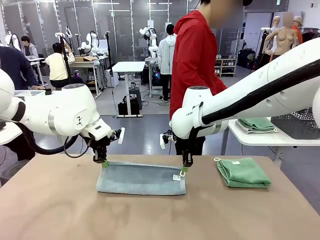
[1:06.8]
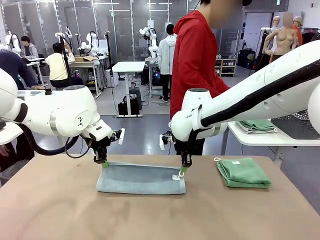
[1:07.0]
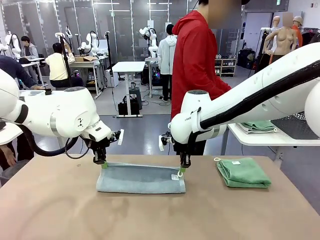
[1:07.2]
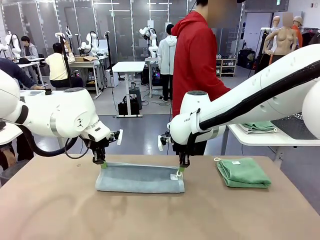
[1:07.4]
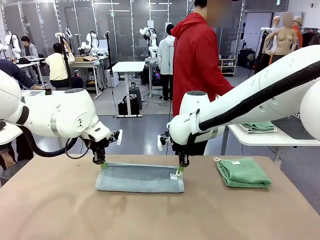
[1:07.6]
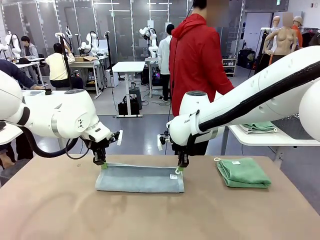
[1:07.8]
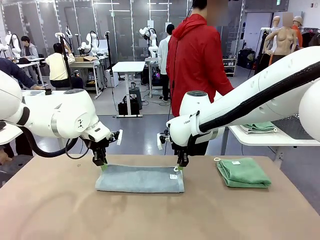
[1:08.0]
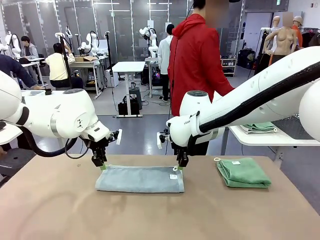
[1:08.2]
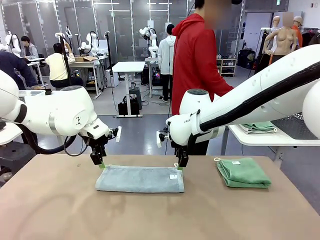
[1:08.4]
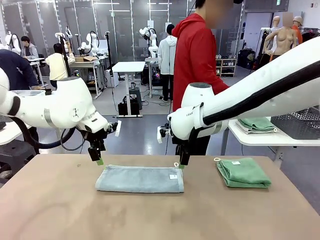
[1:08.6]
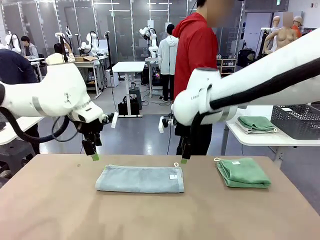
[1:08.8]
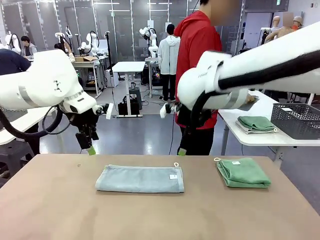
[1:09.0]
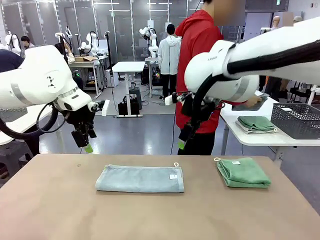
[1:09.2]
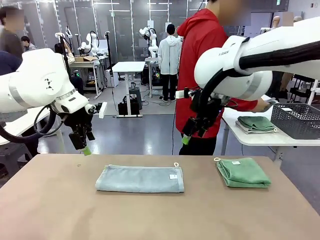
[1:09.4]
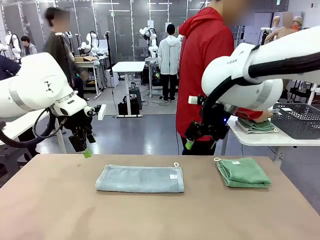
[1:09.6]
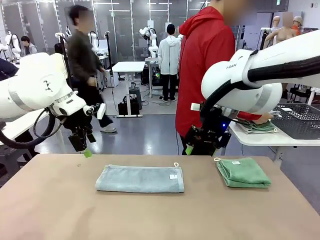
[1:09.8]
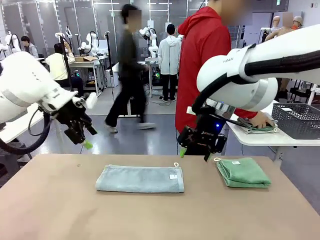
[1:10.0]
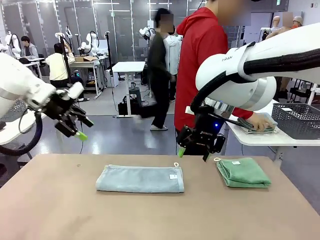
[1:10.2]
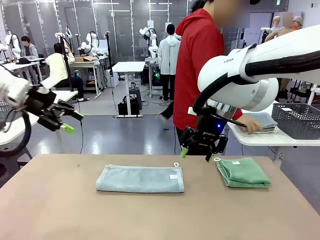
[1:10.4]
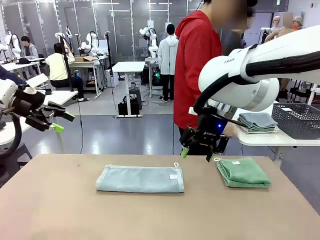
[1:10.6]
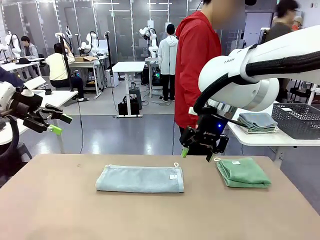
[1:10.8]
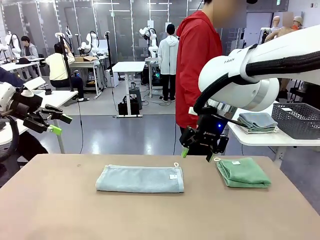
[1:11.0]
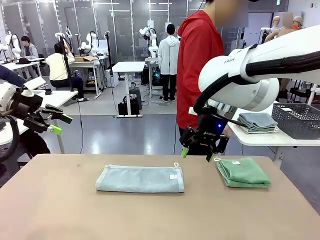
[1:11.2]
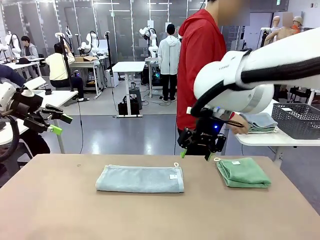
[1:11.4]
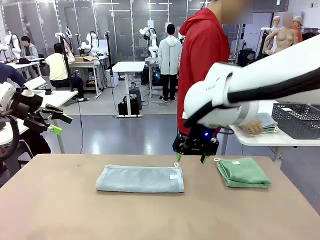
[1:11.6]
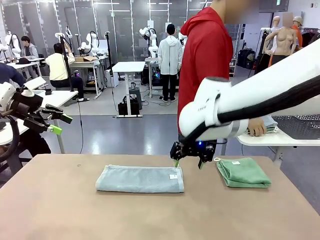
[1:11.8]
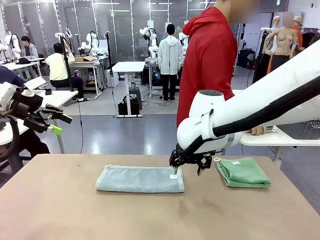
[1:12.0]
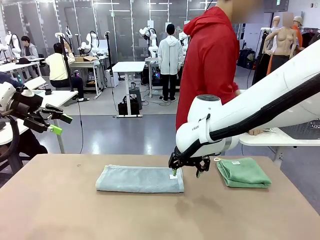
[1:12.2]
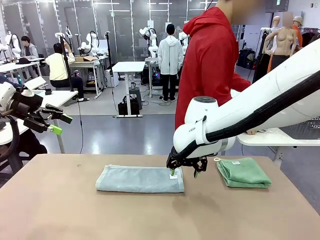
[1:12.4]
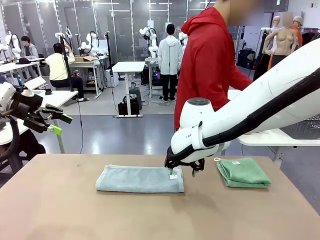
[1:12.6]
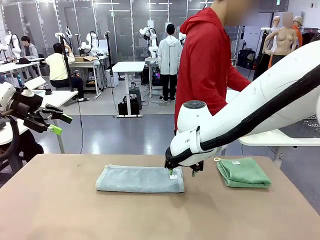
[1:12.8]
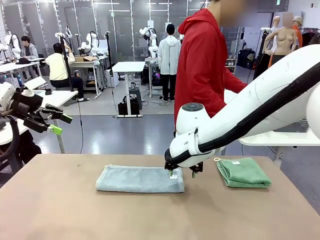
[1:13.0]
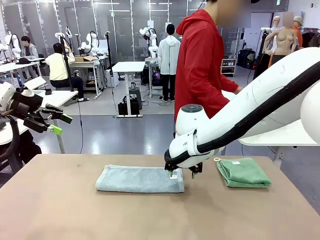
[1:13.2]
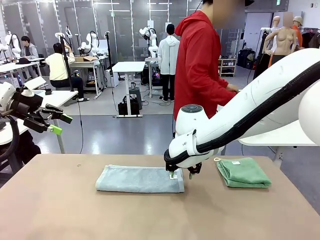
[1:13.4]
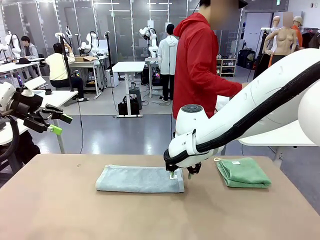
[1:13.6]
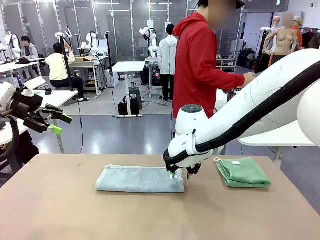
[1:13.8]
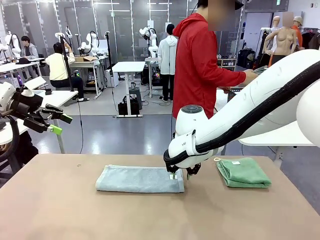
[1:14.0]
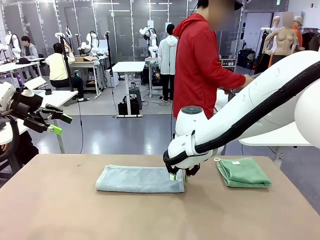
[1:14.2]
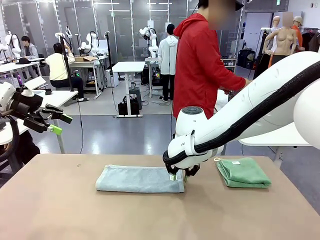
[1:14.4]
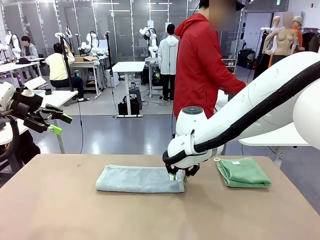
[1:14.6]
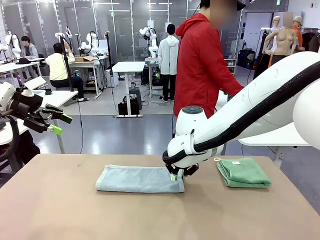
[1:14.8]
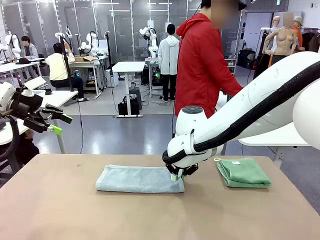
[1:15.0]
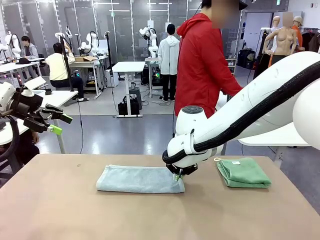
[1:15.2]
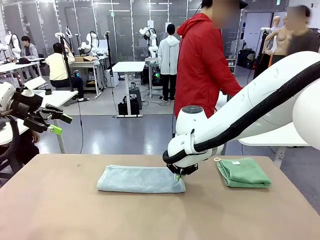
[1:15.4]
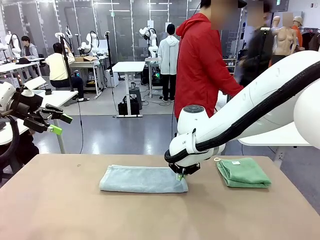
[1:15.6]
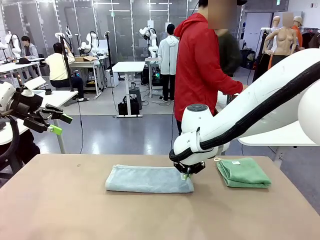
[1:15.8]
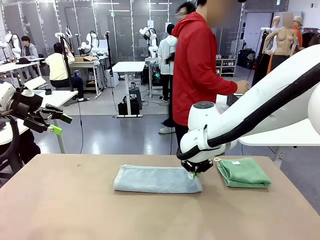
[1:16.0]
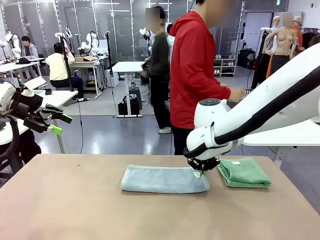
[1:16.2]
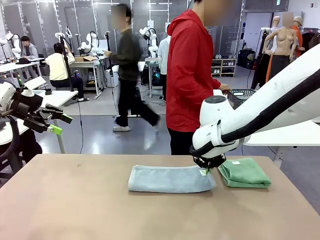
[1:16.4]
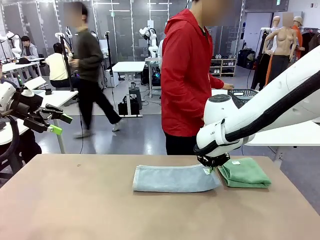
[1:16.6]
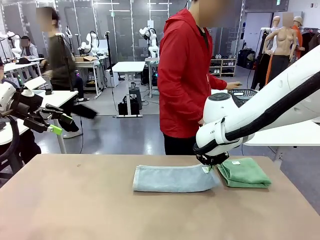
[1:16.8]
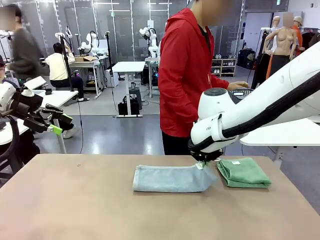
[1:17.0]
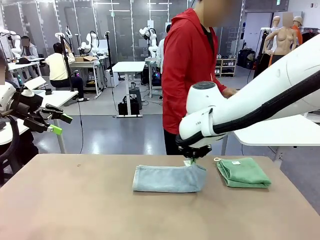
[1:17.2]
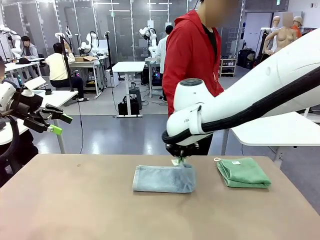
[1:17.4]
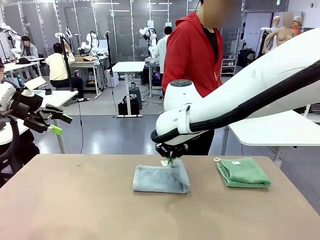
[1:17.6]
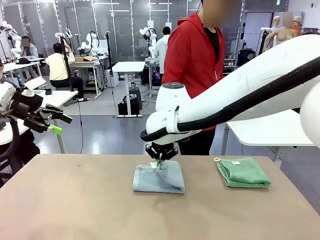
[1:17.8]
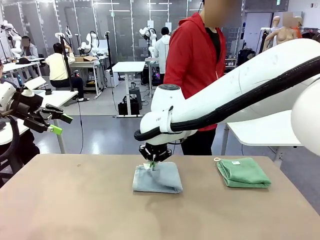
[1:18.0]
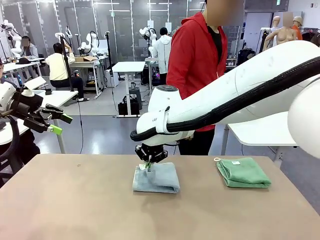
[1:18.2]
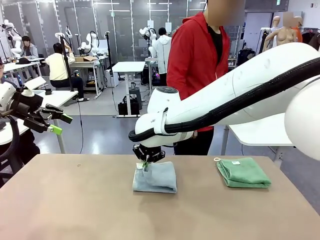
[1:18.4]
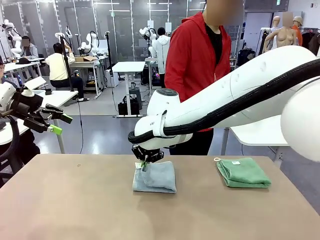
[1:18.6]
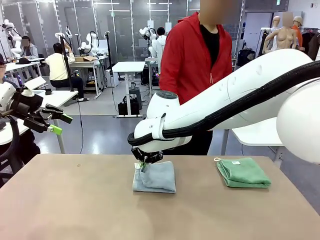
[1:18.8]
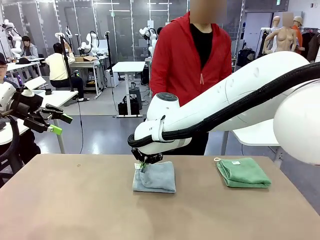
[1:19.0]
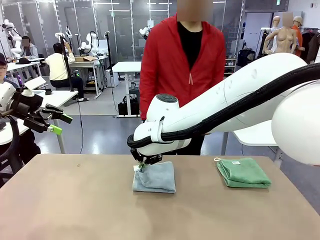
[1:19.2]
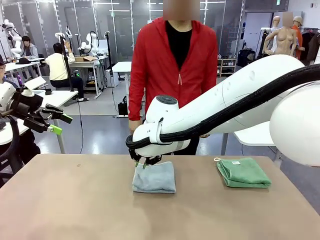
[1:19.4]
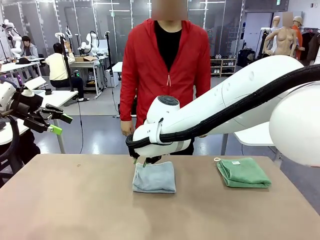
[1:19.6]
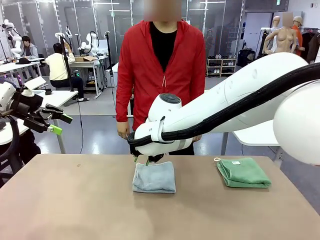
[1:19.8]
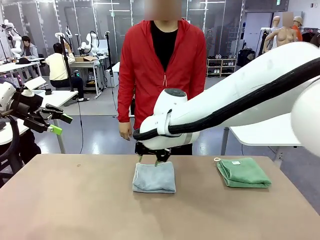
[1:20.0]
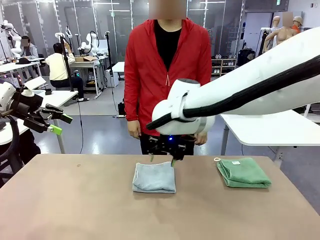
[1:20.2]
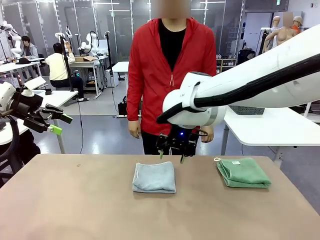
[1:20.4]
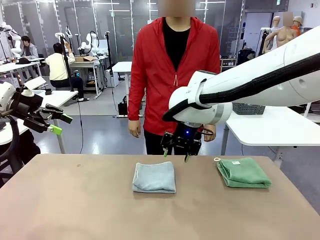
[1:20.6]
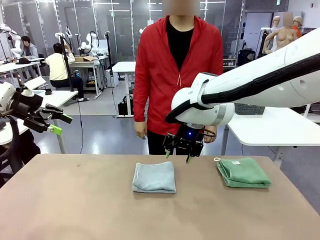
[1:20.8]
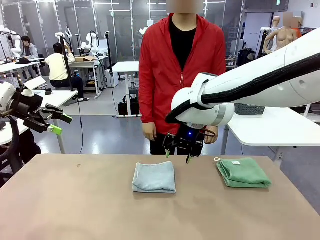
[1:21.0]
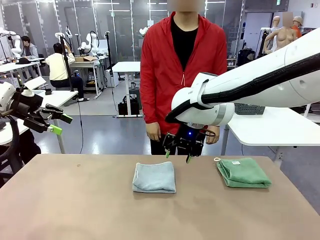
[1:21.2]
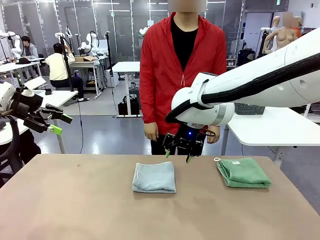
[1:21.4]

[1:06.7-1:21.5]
Task: Fold the towels and place them in the basket.
Robot: When a person lays out a Towel with hook on the table, fold it in half twice.
Person: Pick up the stack of towels from the right side of the human table, place it into the basket, and put the basket at the center of the table.

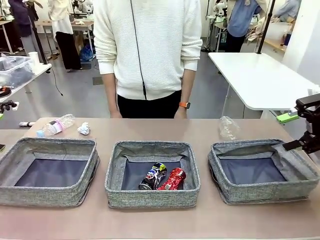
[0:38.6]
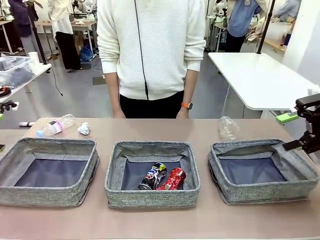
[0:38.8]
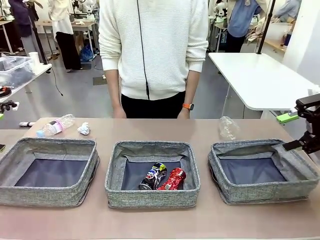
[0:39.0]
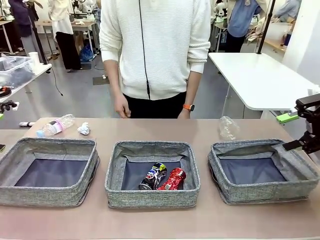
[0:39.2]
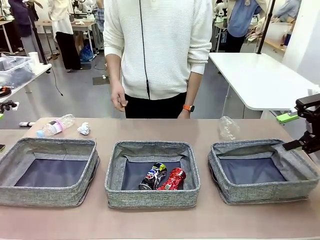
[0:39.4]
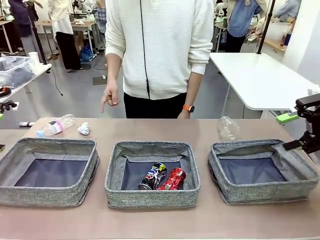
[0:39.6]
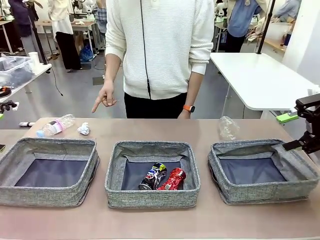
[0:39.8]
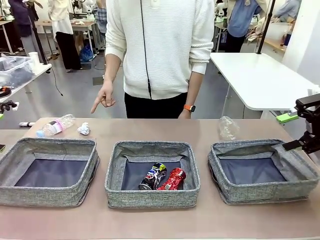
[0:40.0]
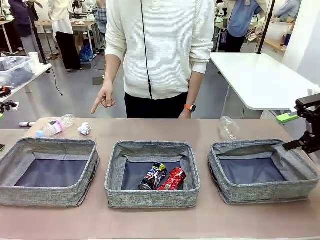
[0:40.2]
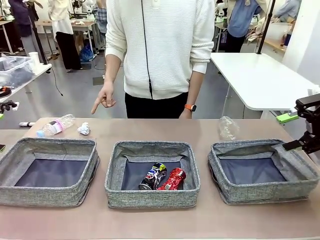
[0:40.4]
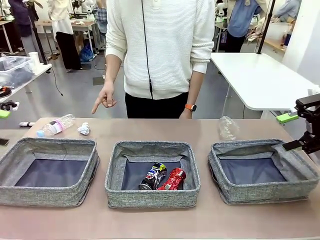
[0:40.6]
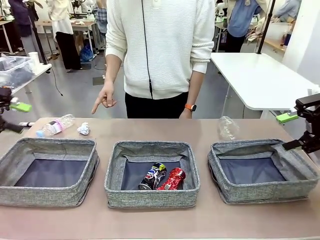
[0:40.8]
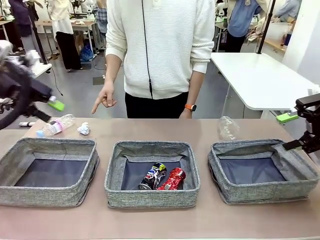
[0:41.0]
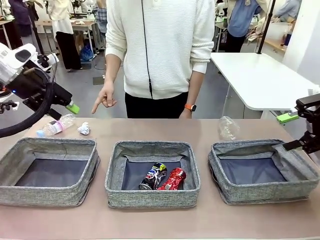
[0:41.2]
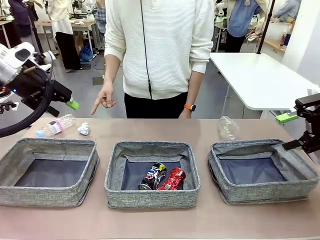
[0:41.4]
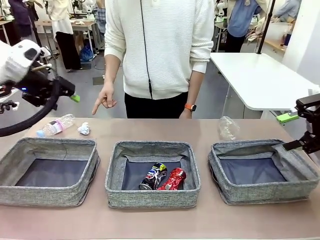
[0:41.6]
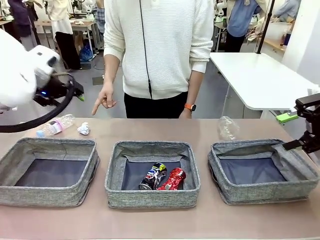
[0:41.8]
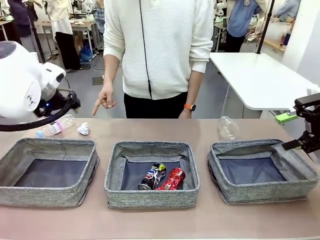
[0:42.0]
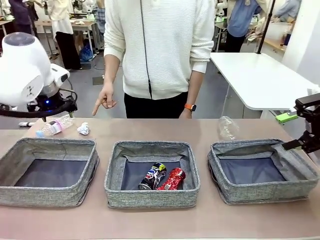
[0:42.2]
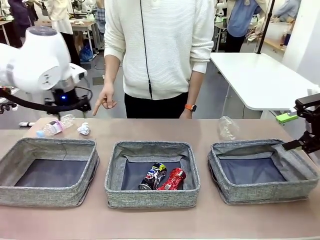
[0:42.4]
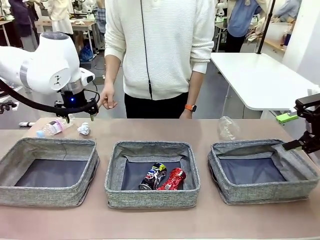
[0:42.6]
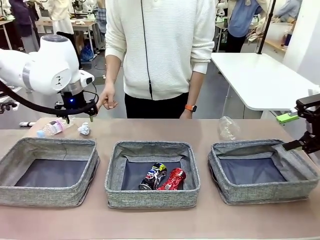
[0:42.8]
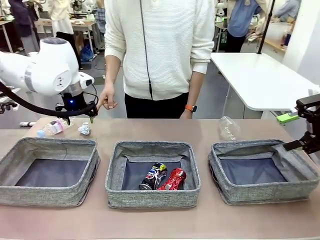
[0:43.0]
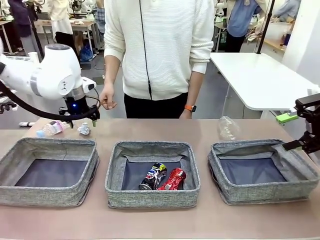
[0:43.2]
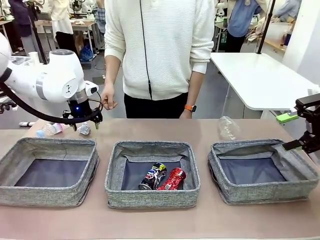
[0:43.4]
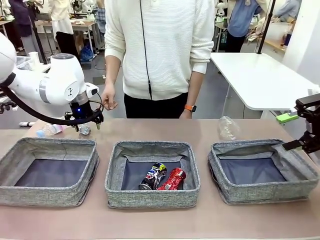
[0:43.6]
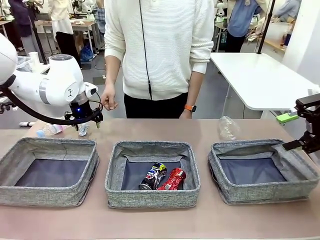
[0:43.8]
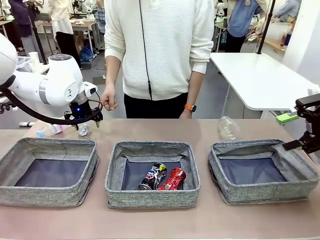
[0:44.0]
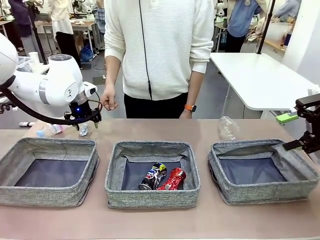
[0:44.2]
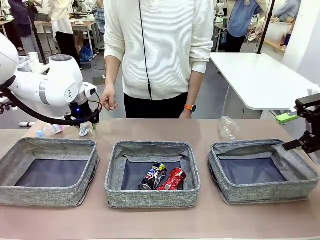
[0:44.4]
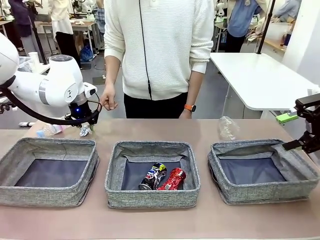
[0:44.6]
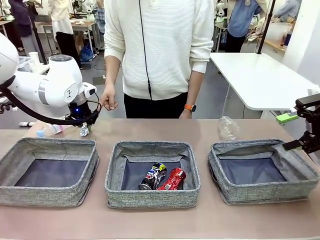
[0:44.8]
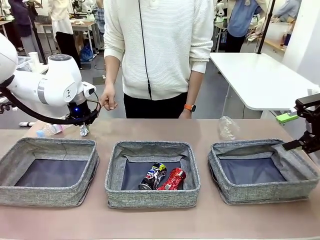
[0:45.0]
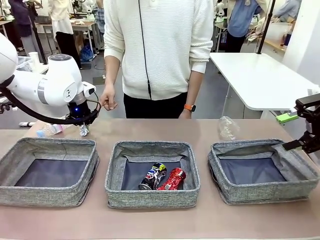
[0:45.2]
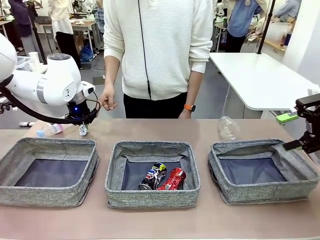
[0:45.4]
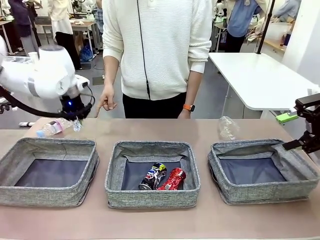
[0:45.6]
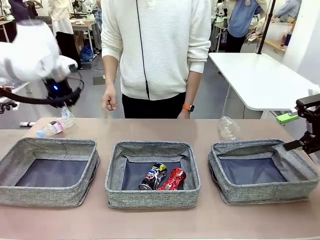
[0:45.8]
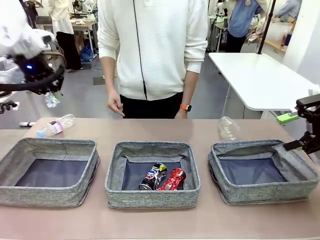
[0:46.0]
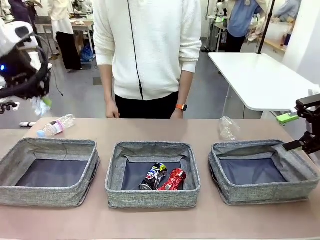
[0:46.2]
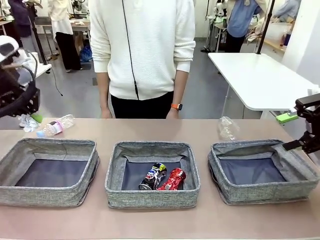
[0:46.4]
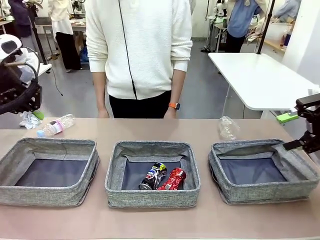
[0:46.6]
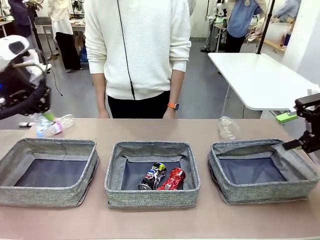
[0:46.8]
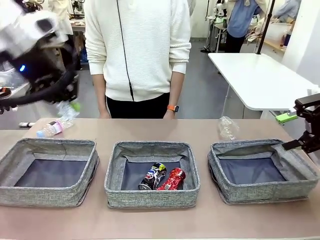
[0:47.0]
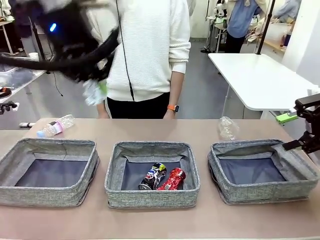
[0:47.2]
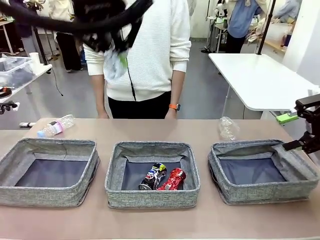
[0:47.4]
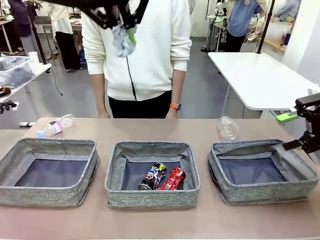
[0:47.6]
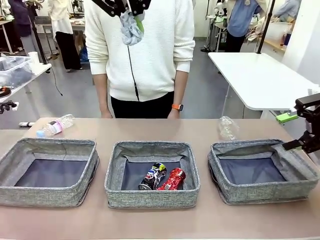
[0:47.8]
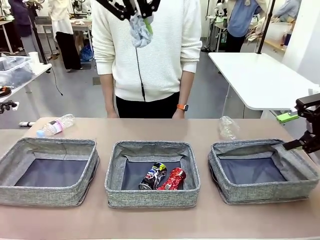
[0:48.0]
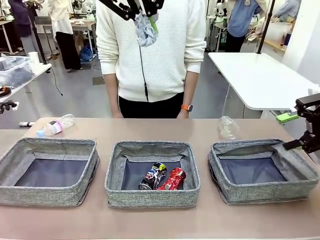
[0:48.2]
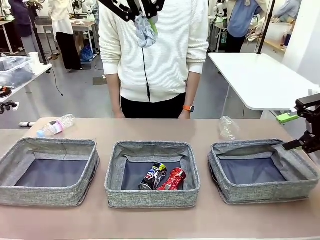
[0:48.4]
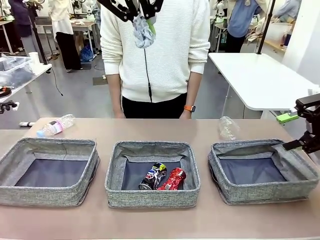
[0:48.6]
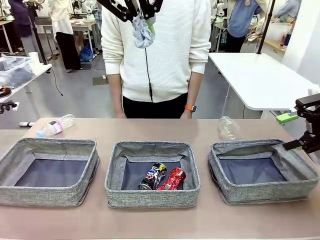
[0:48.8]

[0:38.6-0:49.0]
Task: Sort the waste into the appropriate baskets.
Robot: Pick up the waste item pointed out by the person.
Person: Points to one piece of trash on the table.
